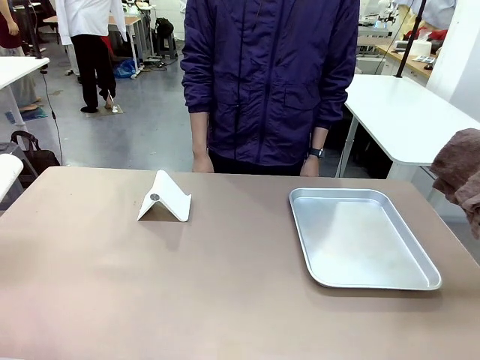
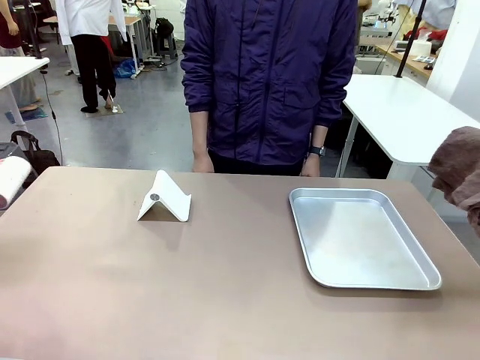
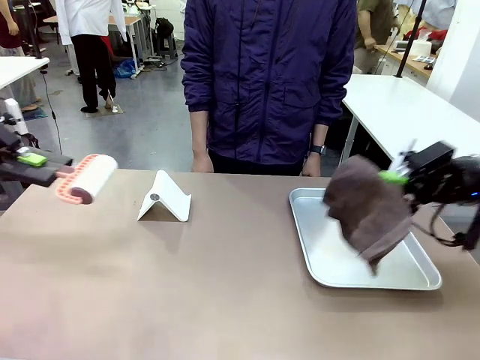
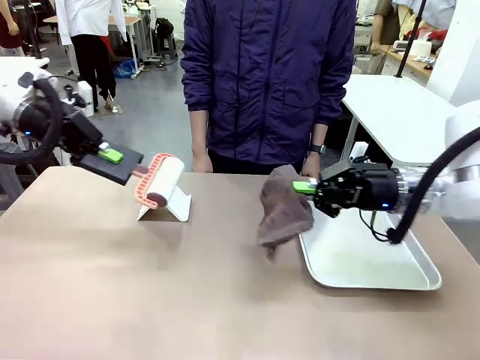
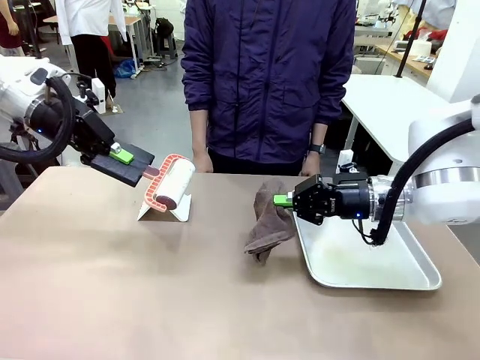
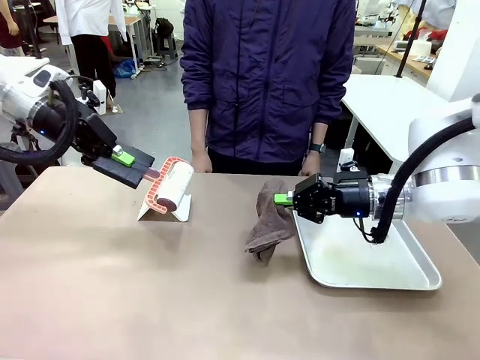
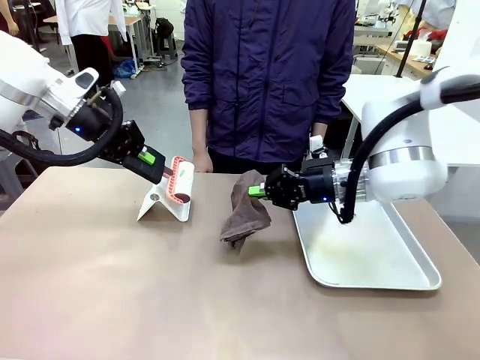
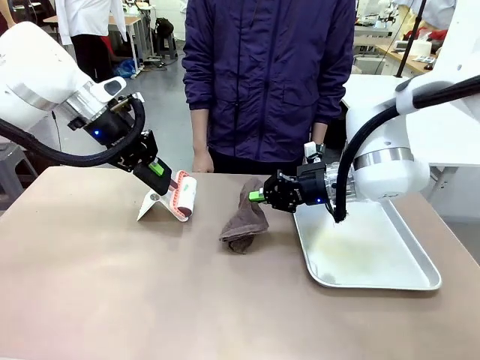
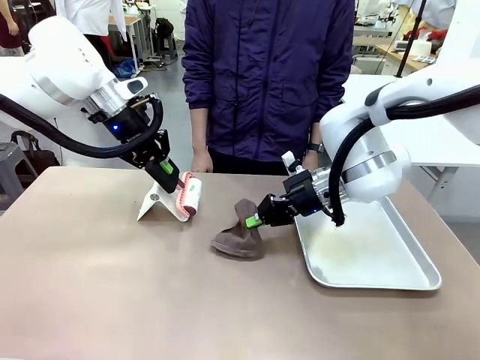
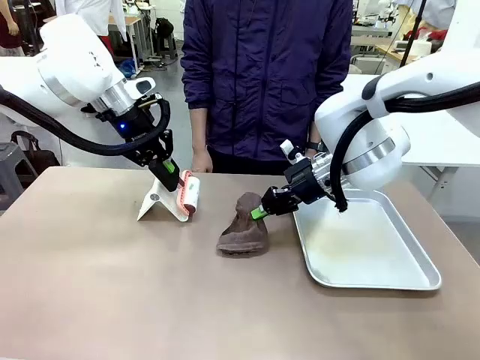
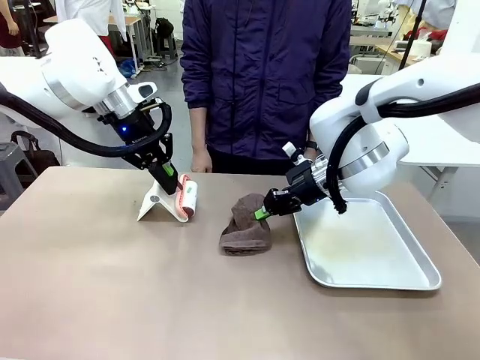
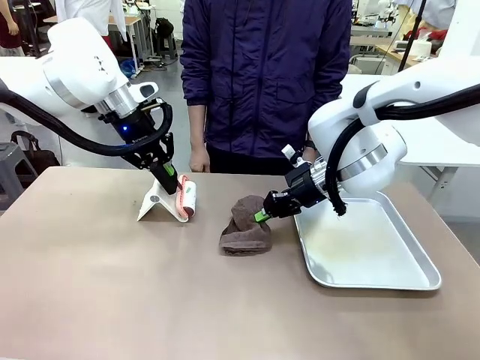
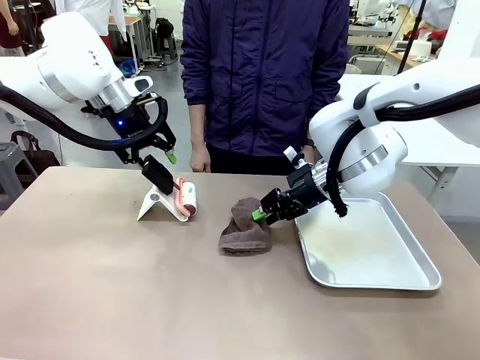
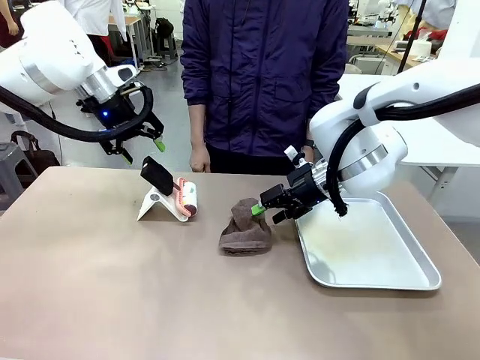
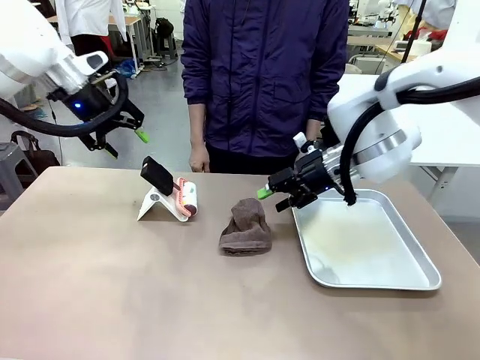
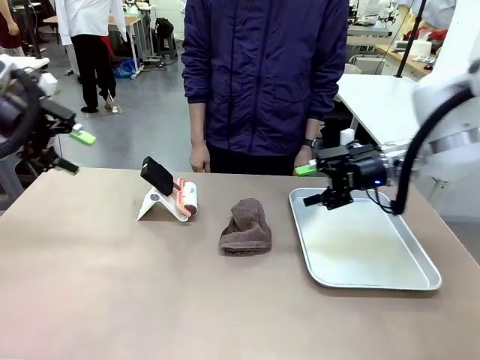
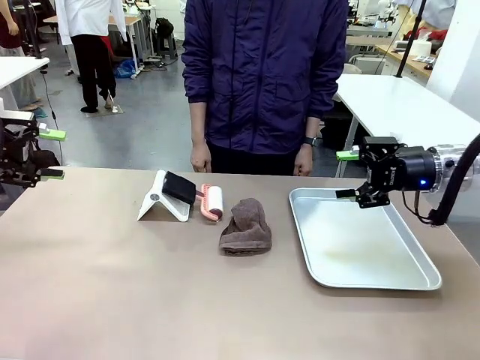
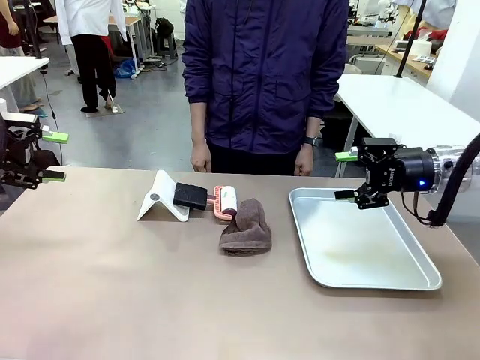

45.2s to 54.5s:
Task: Clean the surface of the table.
Robot: Return the Lint Roller and towel to their original positions.

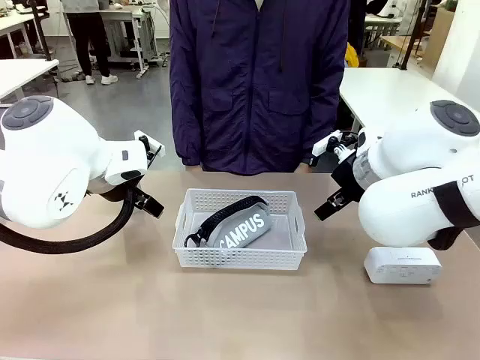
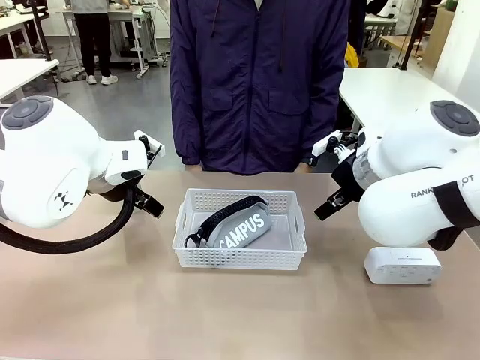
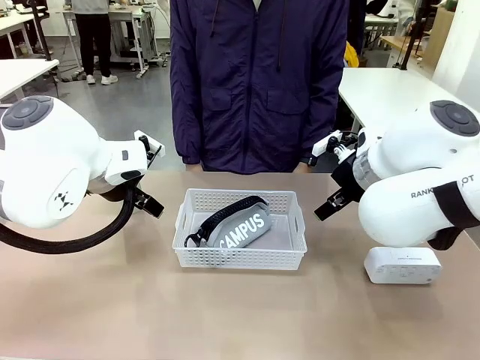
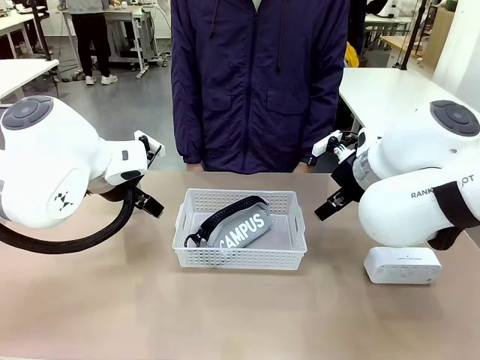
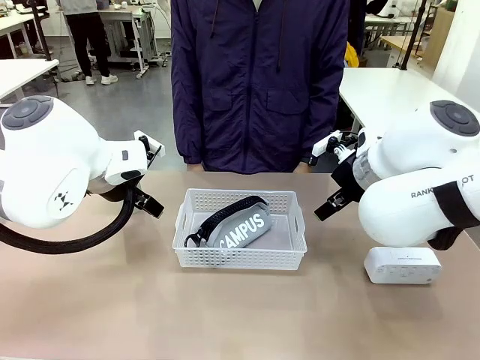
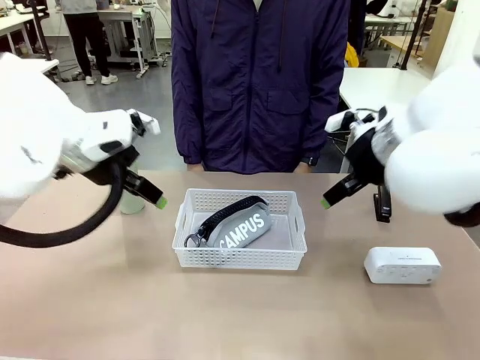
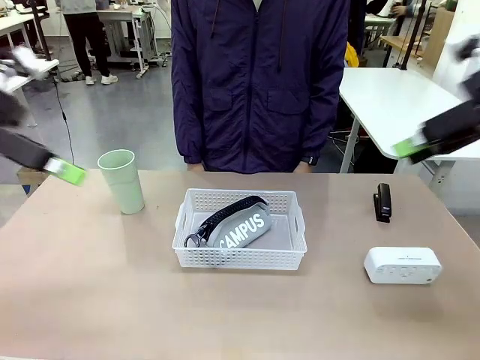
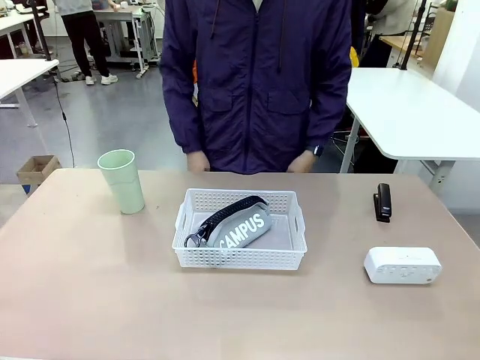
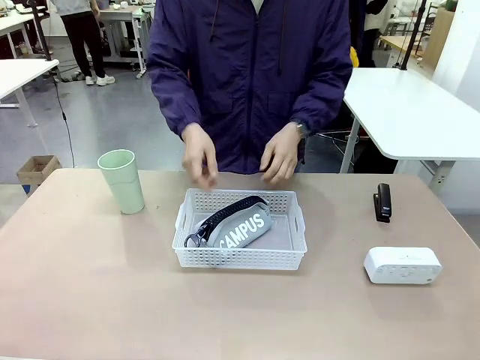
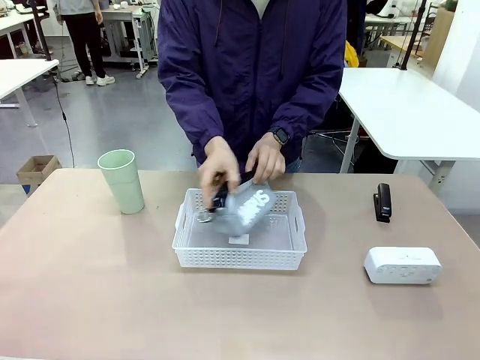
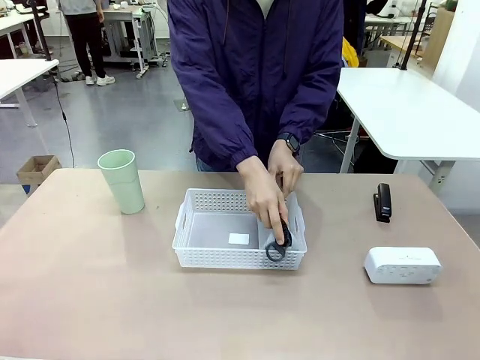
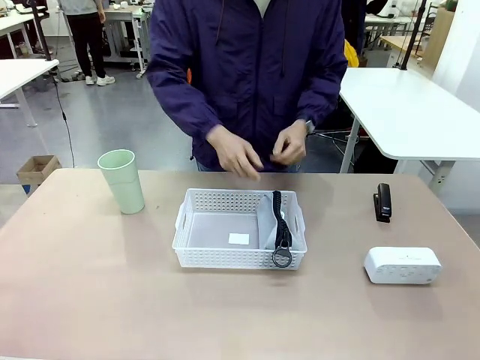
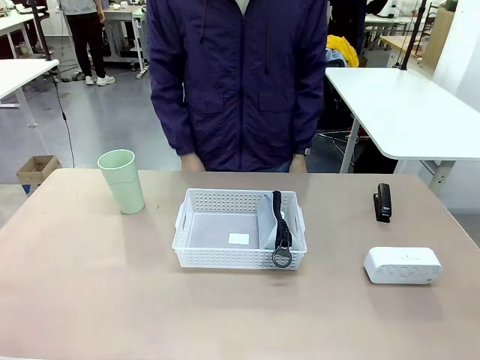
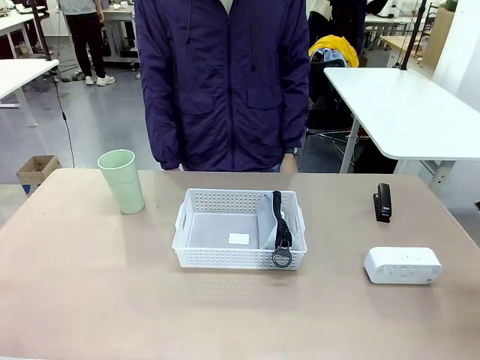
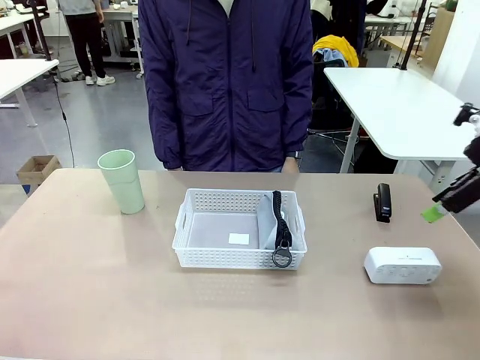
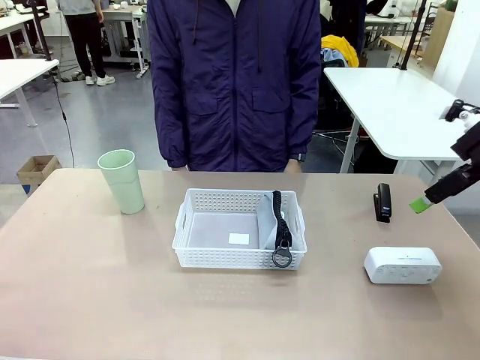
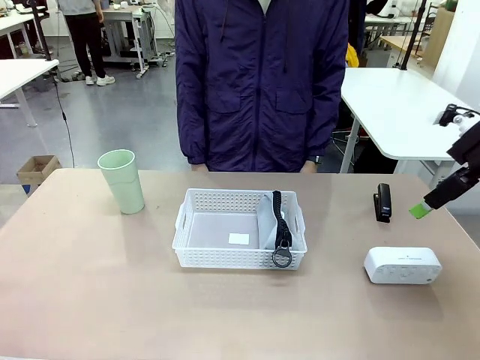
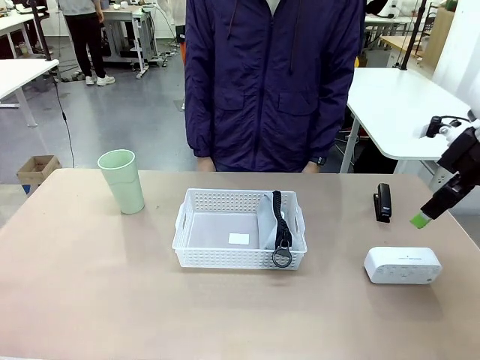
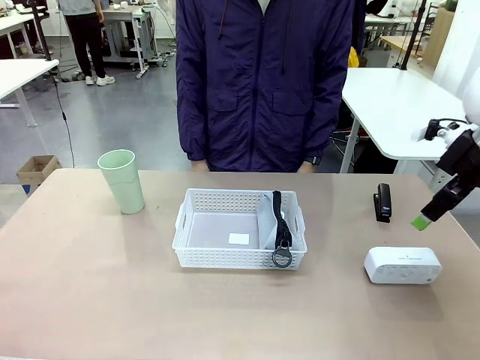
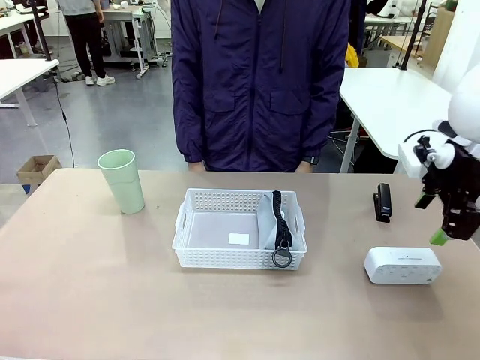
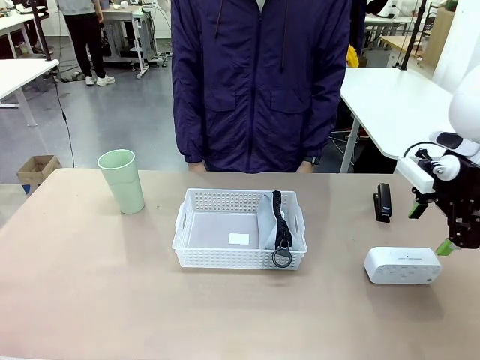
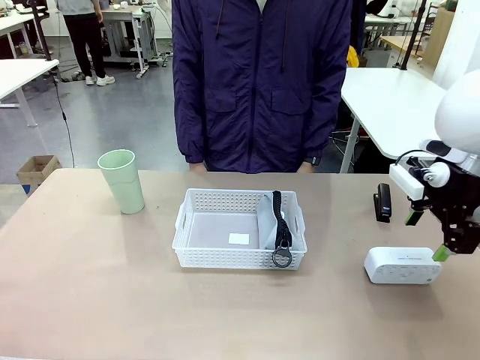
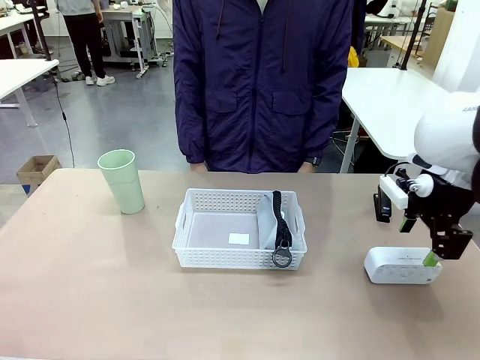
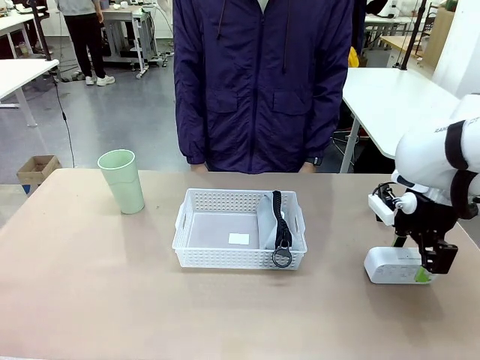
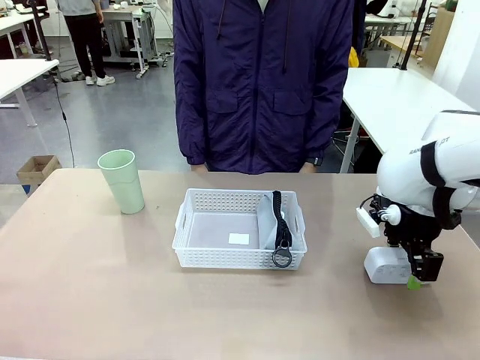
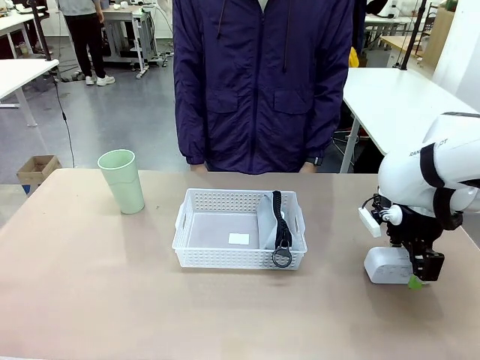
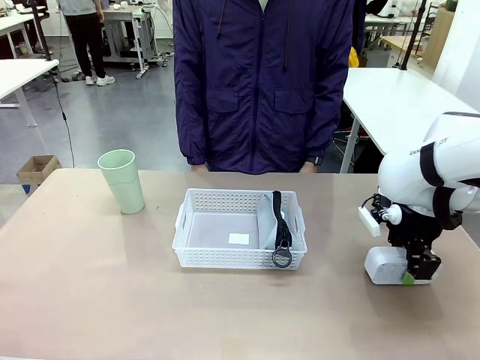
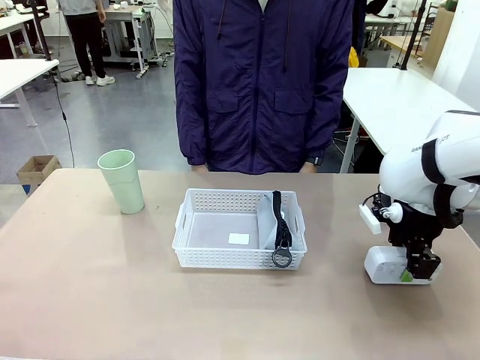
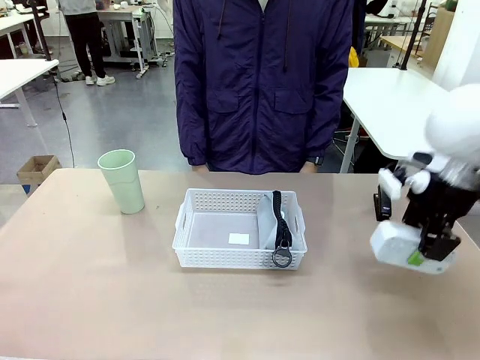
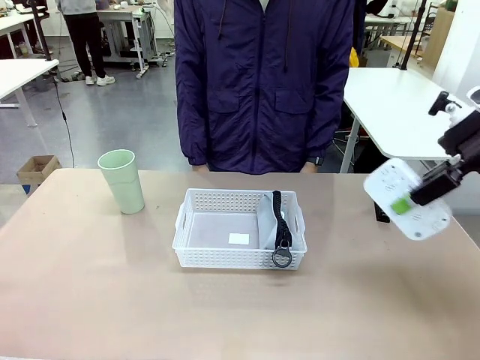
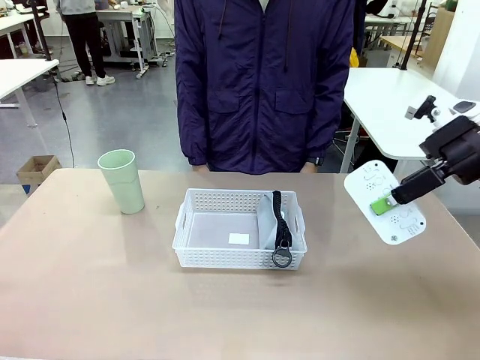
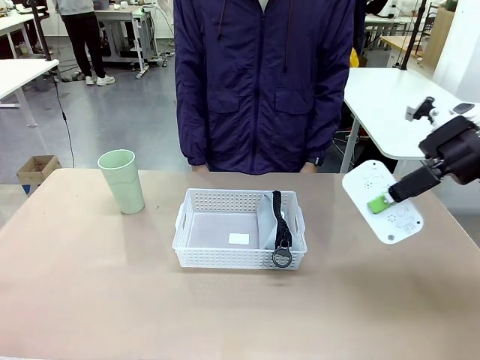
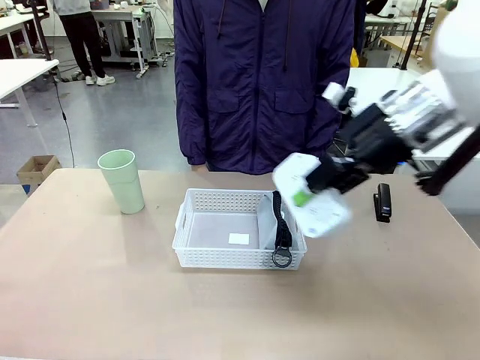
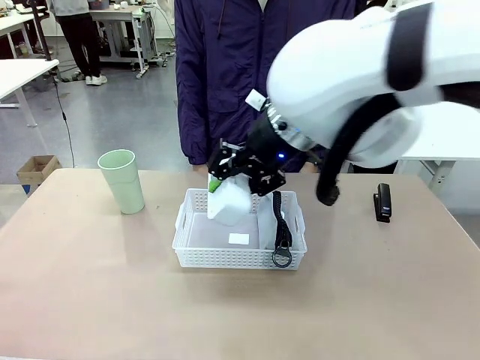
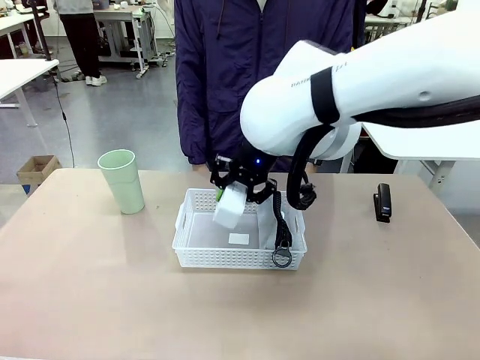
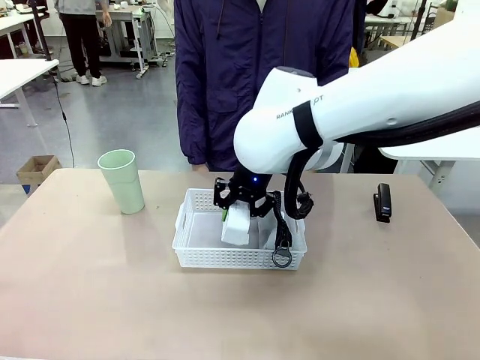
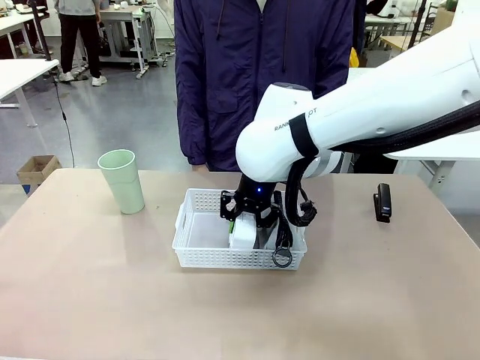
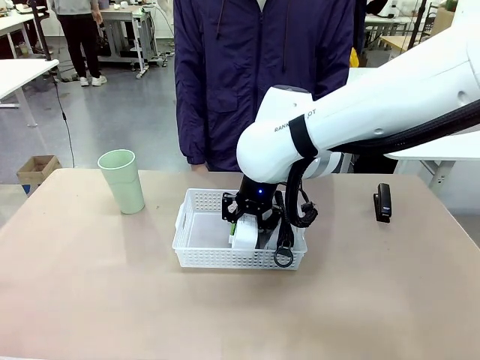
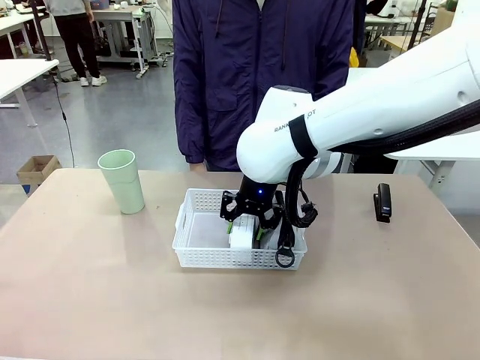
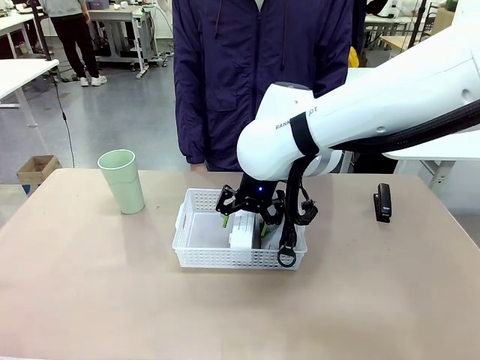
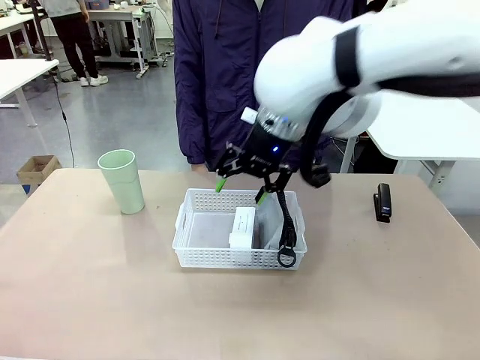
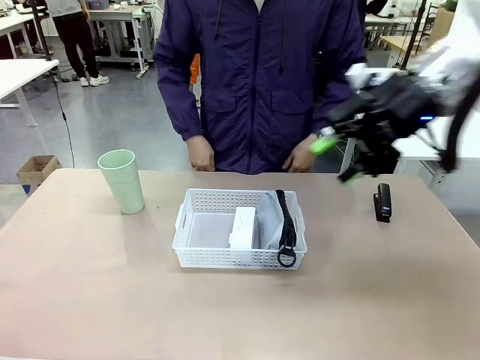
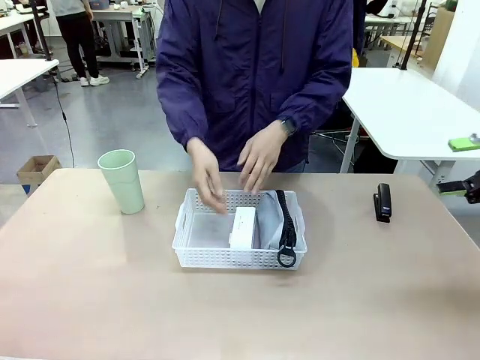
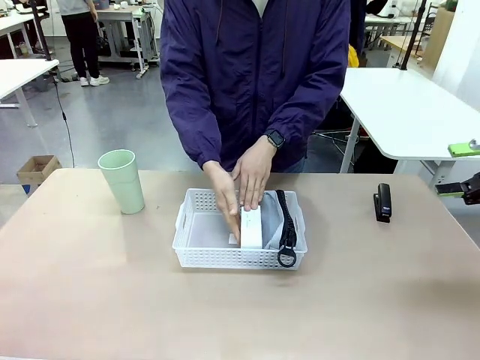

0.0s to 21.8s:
Task: Efficiently arrange items inside the basket to fit them all.
Robot: Pick up the Digital clock and place it inside the Organizing basket.
Person: Repositions the pencil case. Repositions the digital clock.
